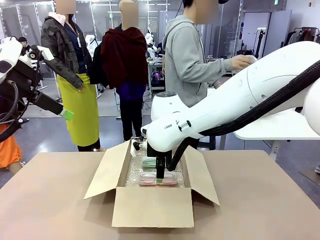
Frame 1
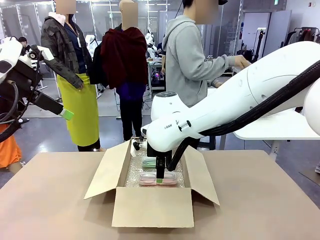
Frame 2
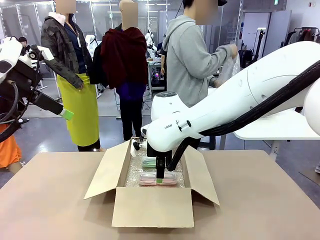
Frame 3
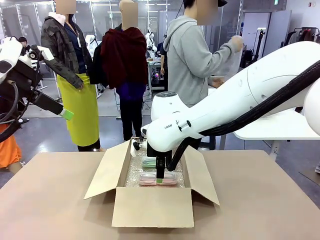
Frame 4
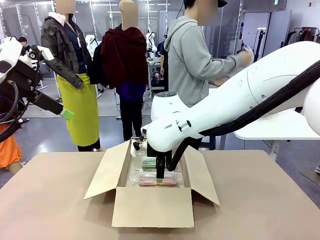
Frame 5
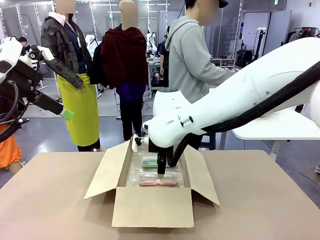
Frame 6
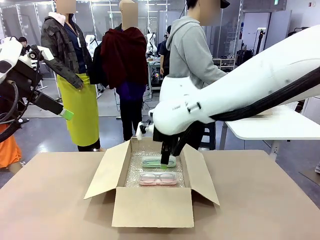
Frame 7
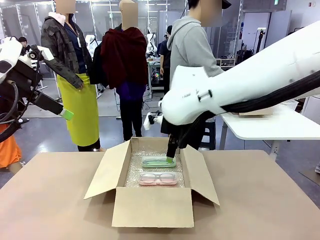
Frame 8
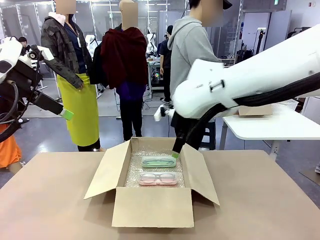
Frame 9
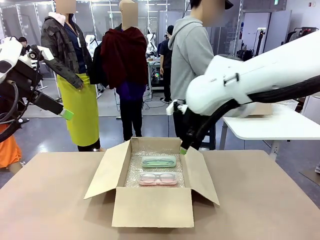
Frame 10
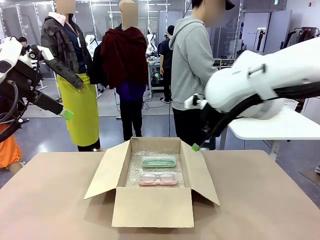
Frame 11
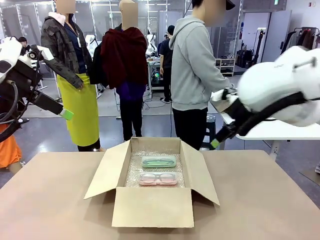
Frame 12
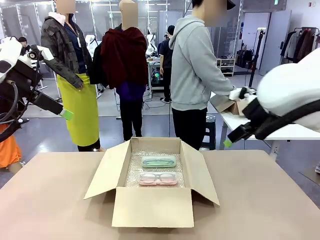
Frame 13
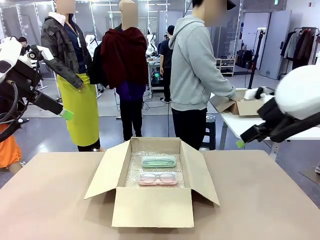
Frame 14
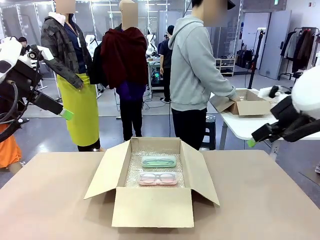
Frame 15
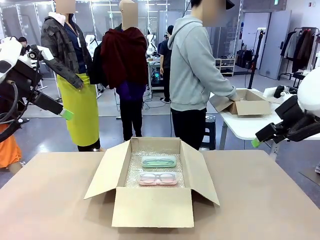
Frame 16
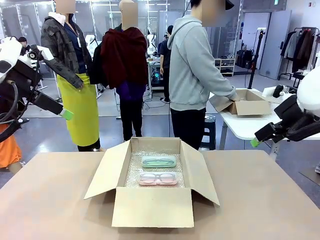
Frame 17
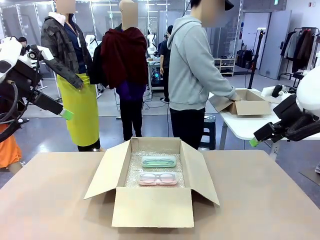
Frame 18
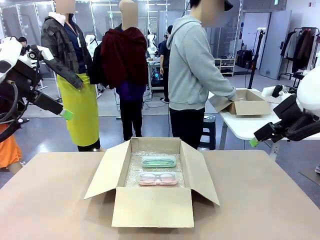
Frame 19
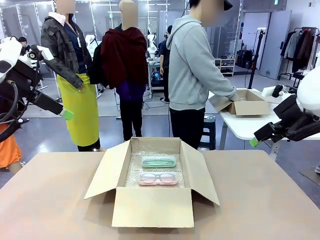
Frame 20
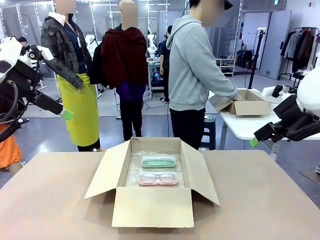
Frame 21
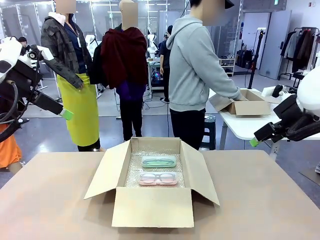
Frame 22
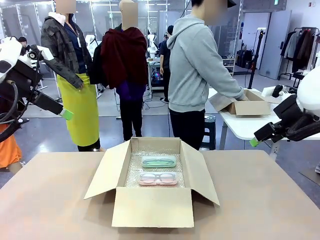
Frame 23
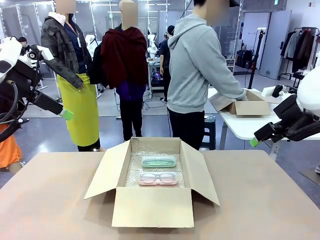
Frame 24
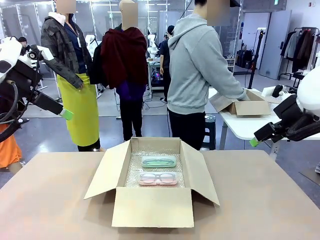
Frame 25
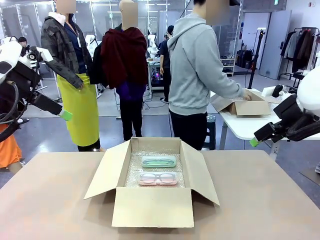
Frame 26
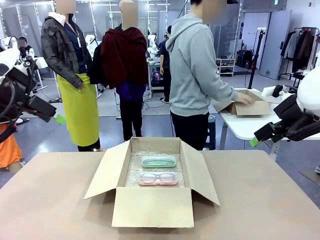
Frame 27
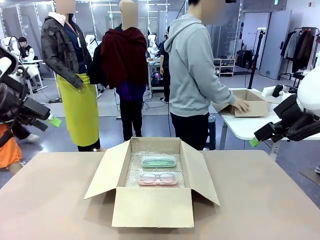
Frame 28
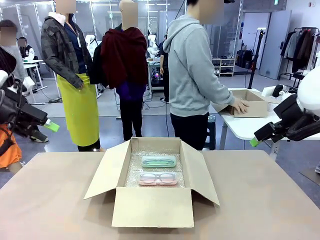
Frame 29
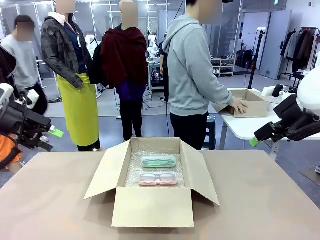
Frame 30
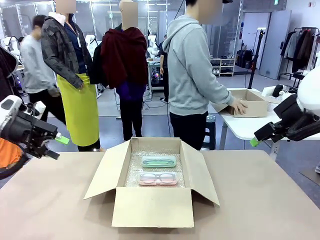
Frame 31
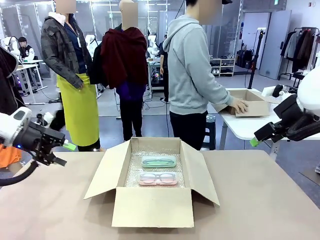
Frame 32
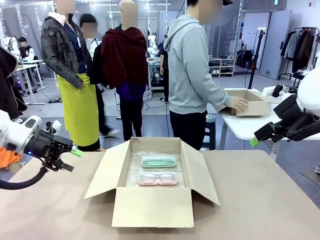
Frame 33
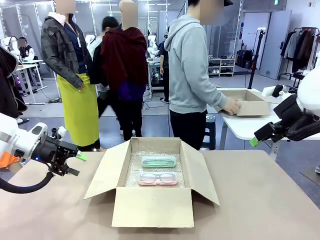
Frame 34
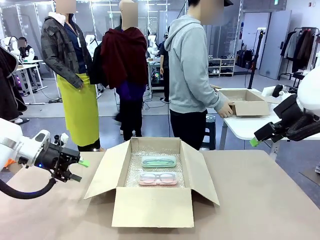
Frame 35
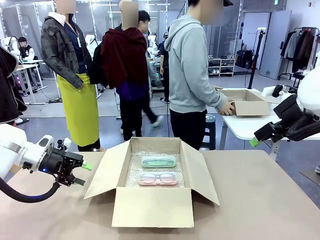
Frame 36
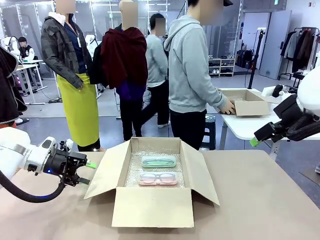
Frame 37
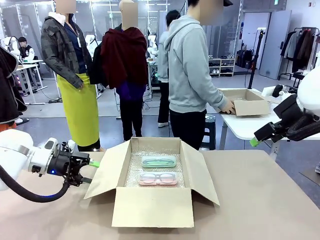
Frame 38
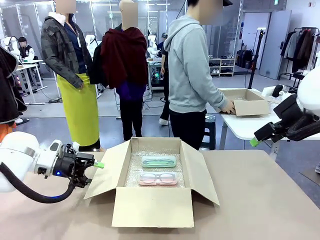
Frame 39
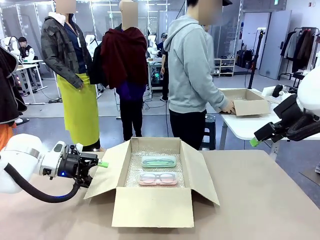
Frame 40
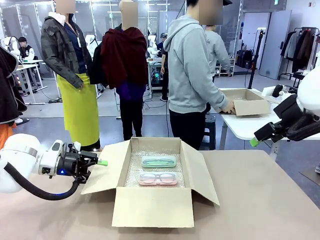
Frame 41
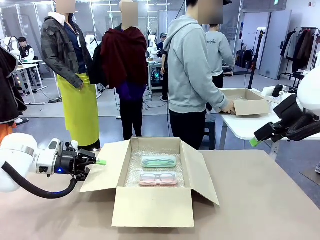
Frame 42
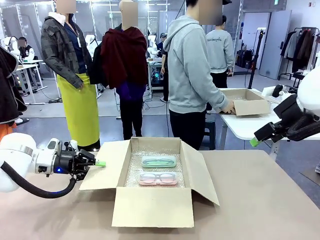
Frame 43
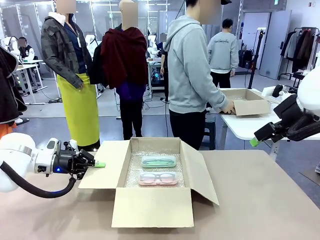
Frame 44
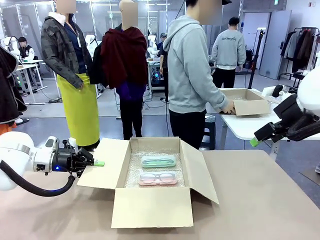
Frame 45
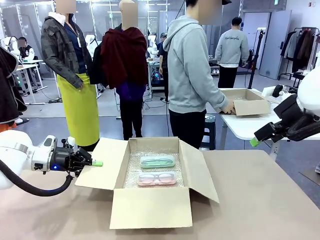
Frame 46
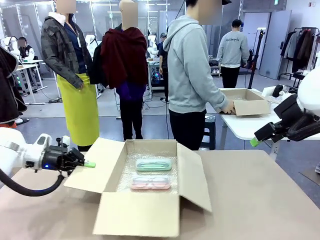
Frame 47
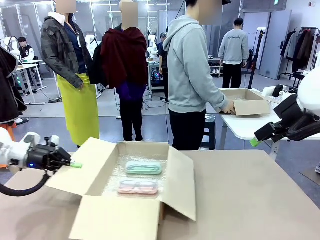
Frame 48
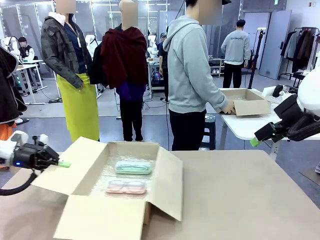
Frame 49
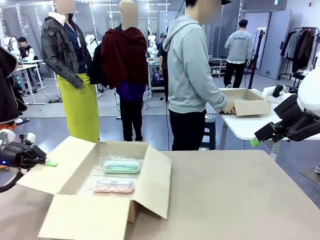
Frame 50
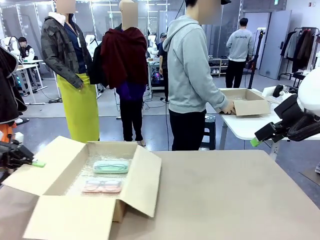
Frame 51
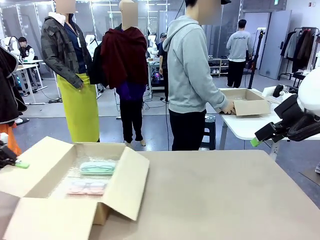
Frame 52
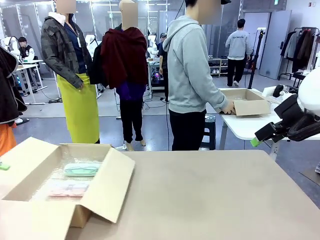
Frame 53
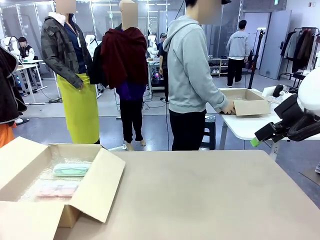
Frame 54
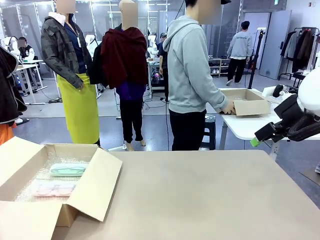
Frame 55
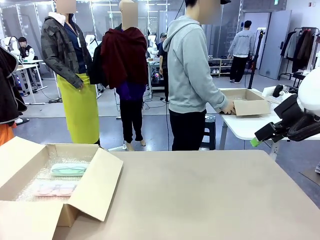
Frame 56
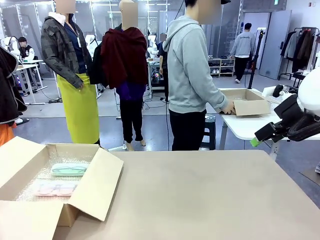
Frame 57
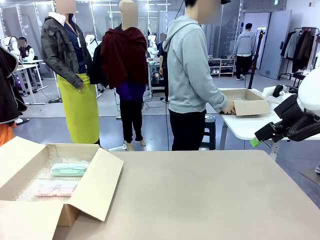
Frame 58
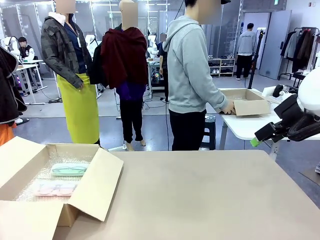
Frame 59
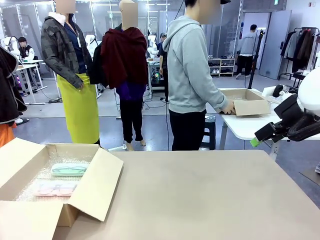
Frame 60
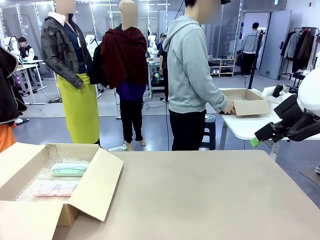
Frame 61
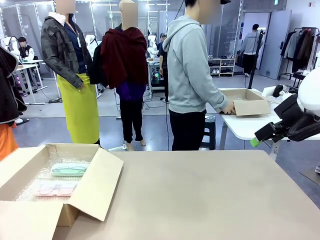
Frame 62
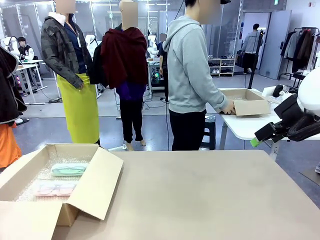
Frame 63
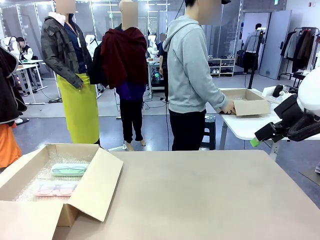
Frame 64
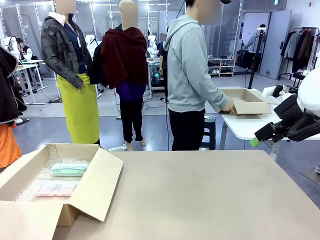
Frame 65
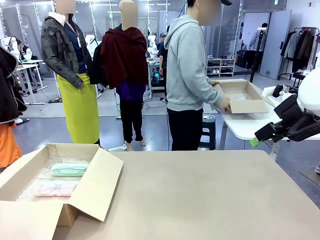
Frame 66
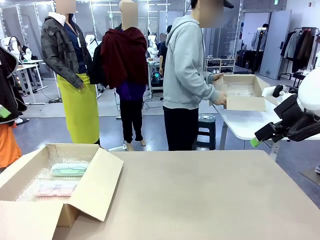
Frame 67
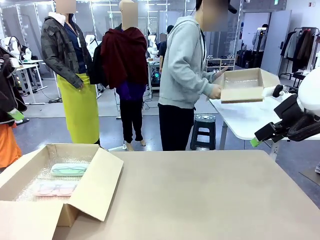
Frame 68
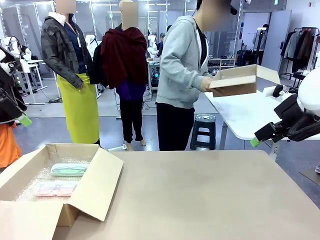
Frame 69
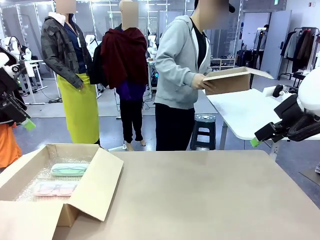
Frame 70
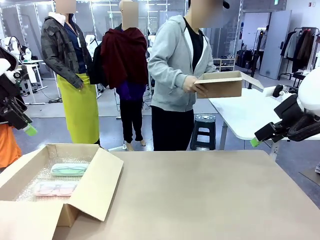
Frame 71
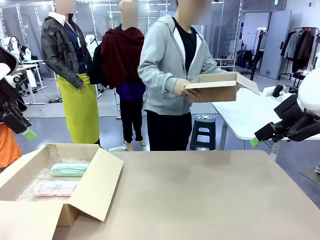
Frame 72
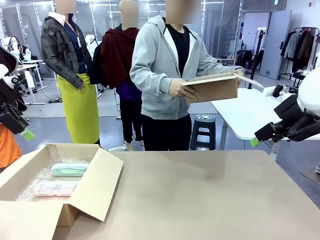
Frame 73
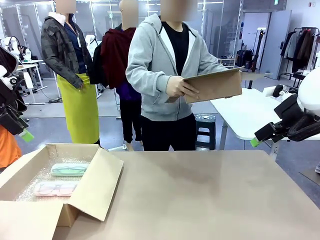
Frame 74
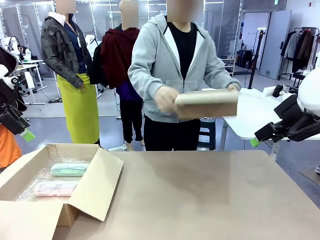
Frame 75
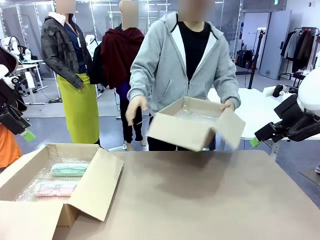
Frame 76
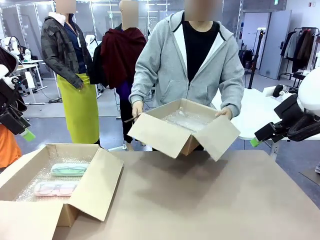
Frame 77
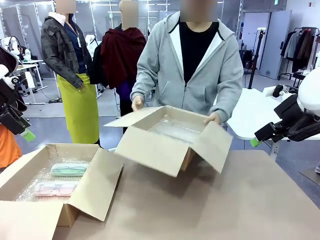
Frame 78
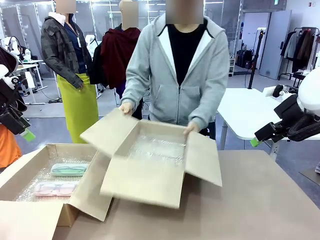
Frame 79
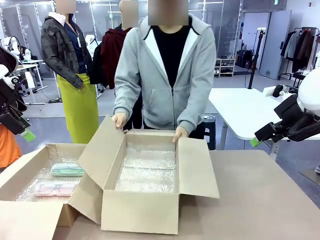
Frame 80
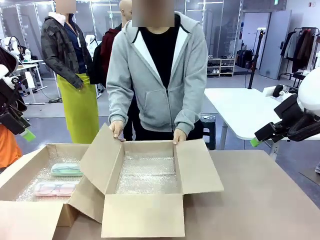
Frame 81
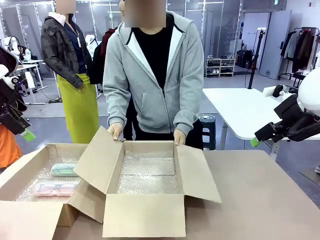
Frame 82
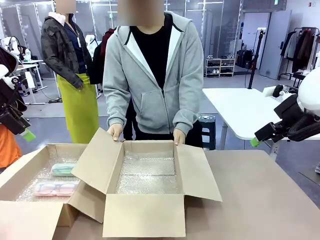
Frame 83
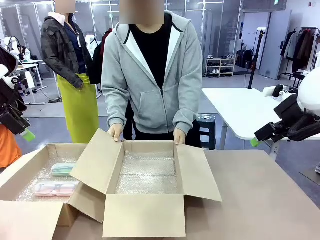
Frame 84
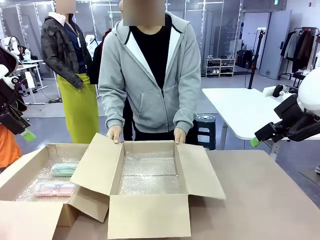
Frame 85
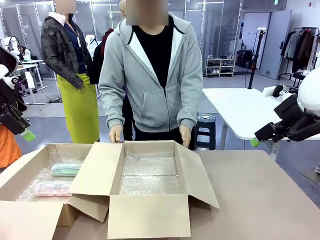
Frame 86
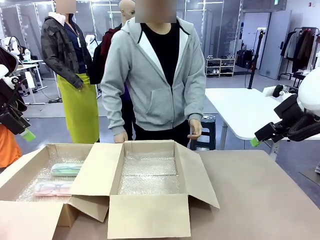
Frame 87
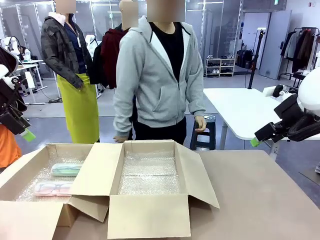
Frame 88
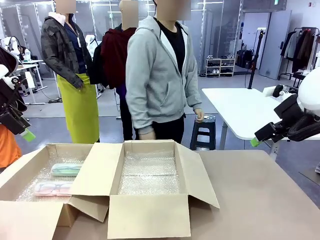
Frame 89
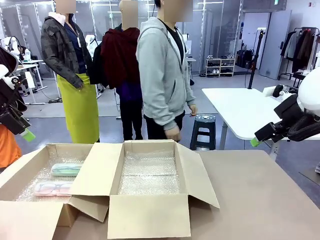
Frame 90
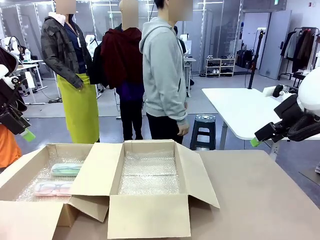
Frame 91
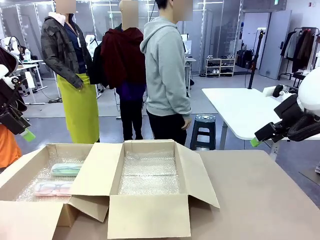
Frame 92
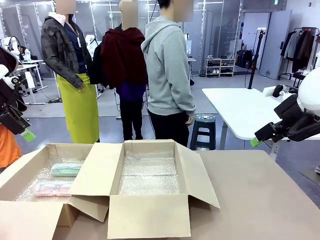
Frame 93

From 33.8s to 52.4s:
Task: Pack the glasses set securely to prepare it for shipping.
Robot: Position the Package Box on the left side of the table.
Person: Position the empty Package Box in the middle of the robot's table.
